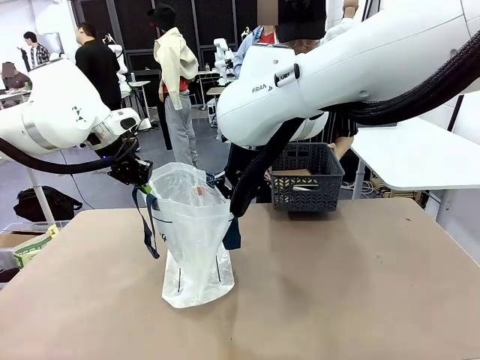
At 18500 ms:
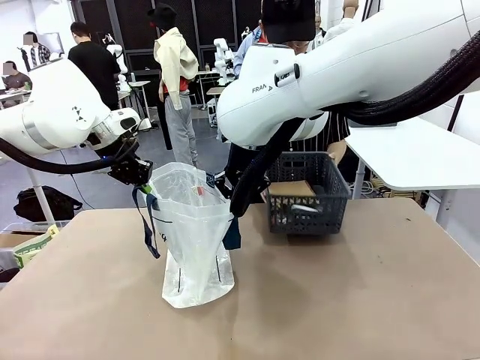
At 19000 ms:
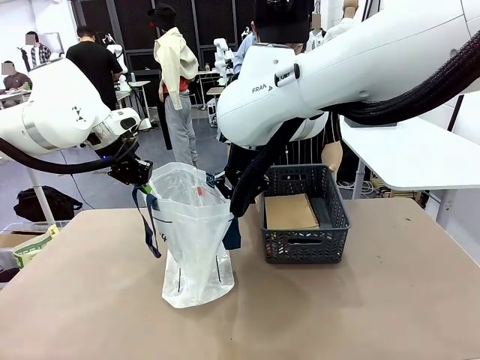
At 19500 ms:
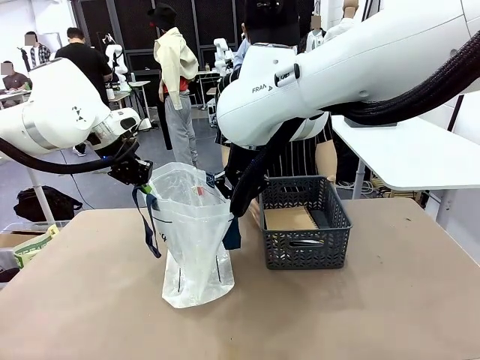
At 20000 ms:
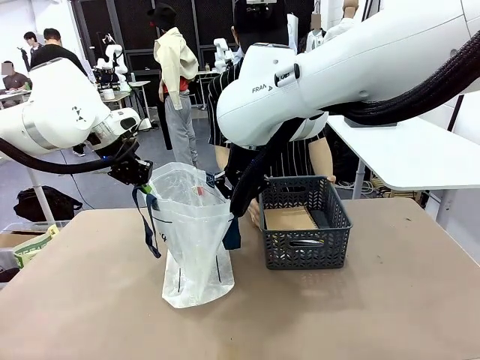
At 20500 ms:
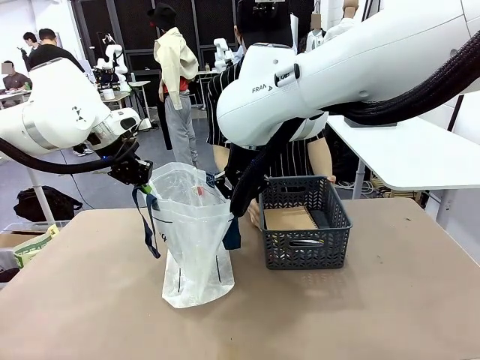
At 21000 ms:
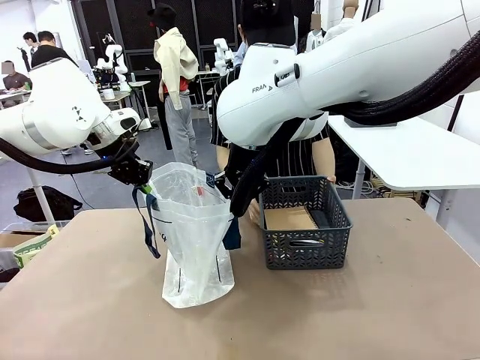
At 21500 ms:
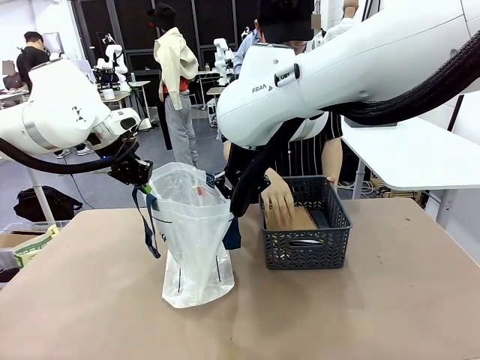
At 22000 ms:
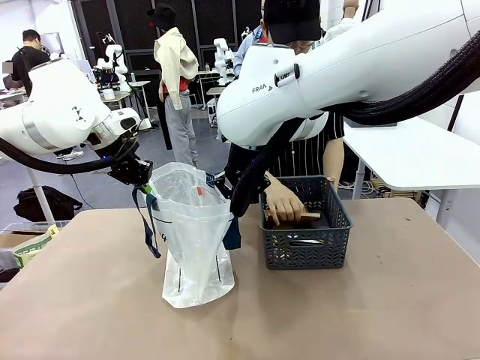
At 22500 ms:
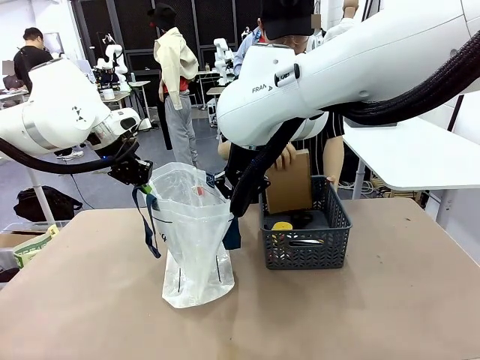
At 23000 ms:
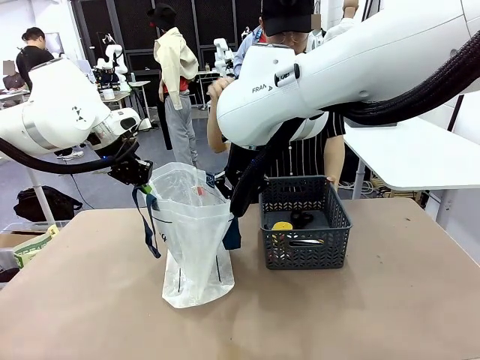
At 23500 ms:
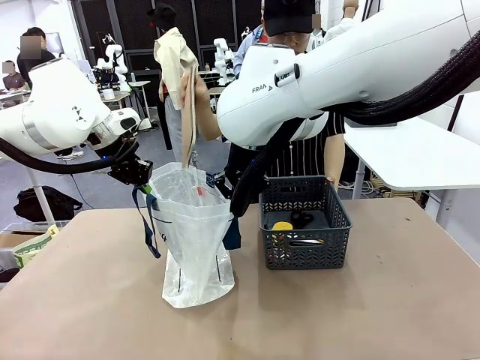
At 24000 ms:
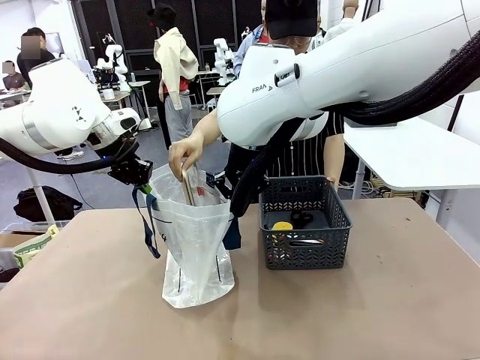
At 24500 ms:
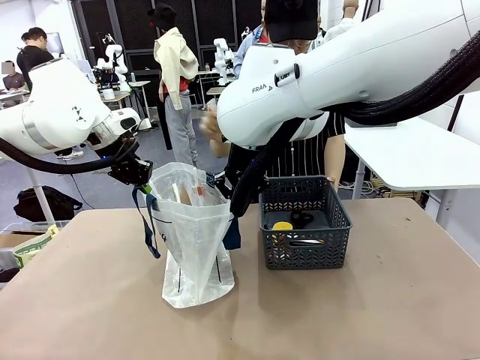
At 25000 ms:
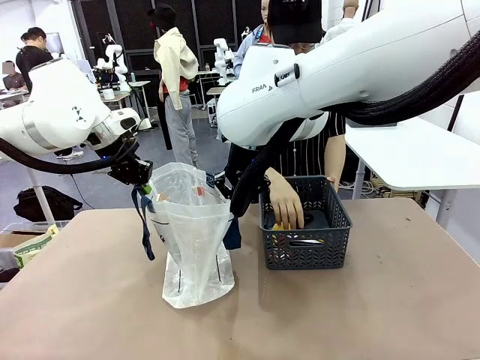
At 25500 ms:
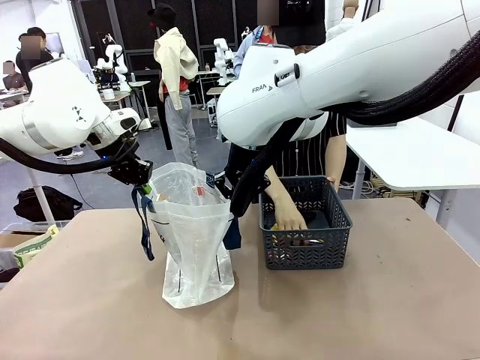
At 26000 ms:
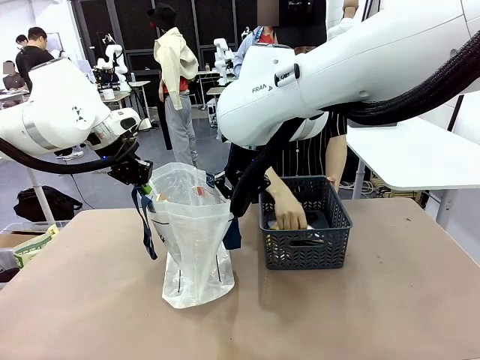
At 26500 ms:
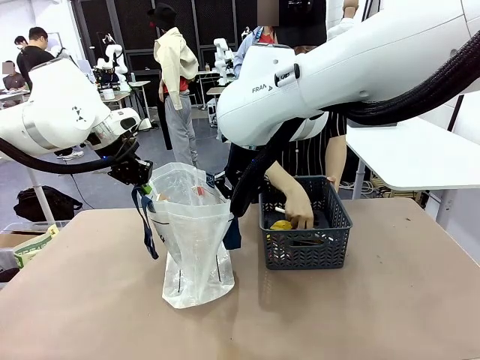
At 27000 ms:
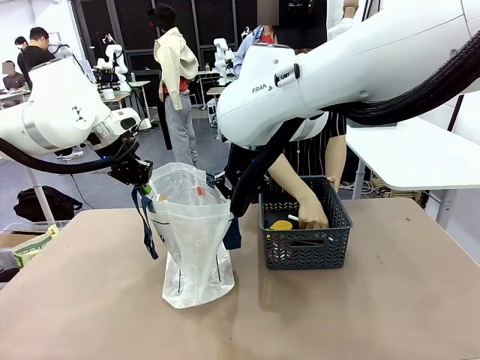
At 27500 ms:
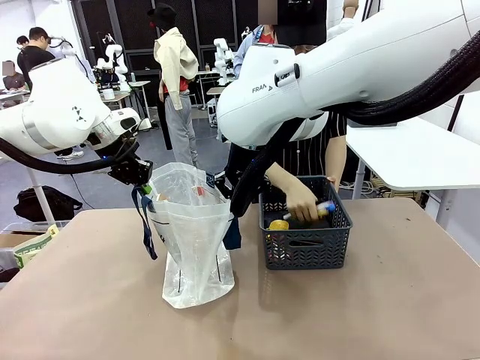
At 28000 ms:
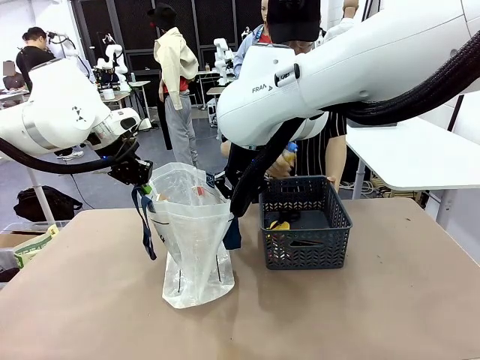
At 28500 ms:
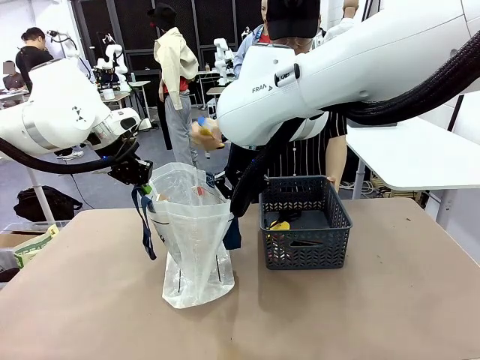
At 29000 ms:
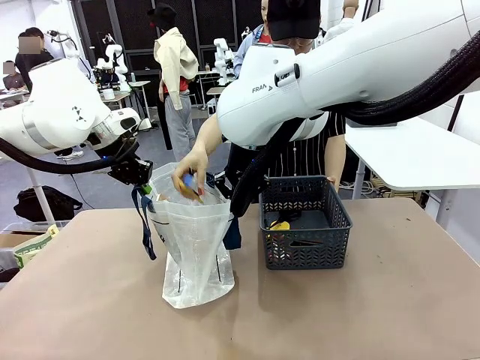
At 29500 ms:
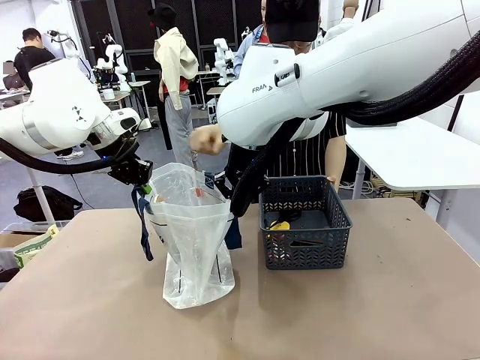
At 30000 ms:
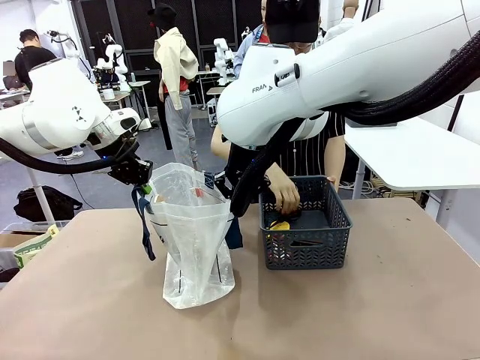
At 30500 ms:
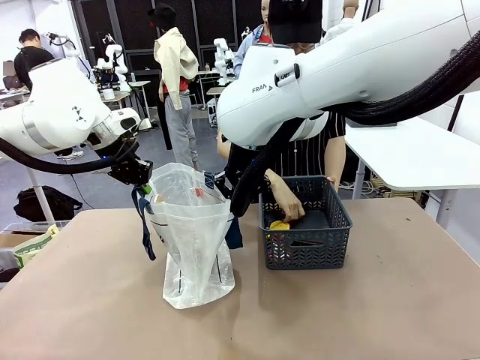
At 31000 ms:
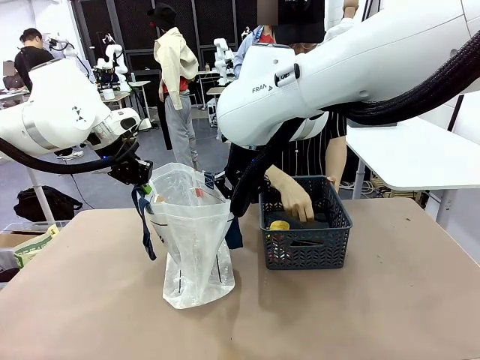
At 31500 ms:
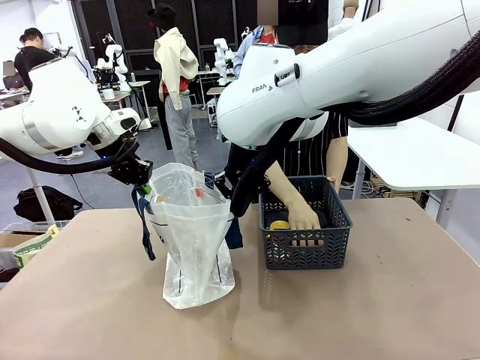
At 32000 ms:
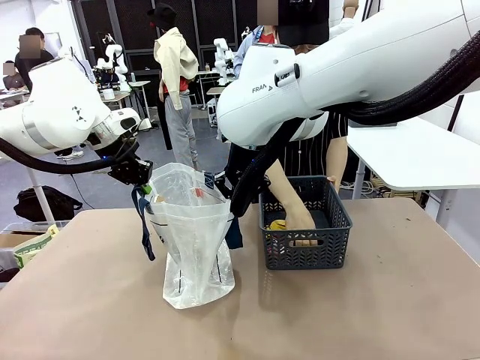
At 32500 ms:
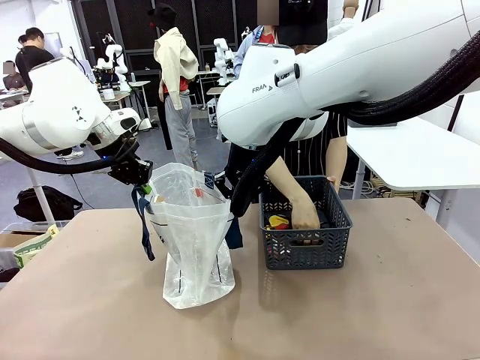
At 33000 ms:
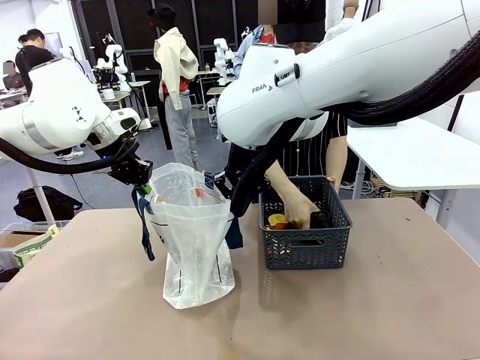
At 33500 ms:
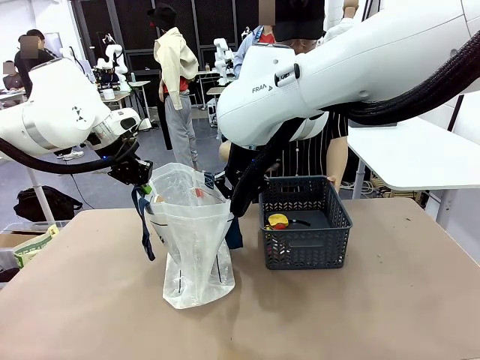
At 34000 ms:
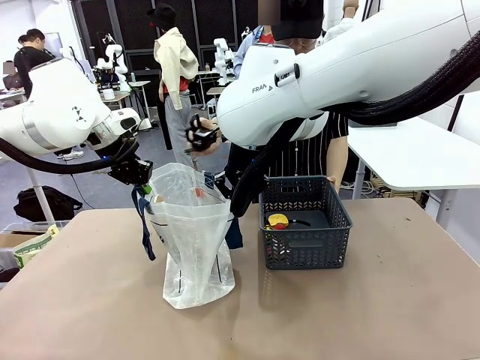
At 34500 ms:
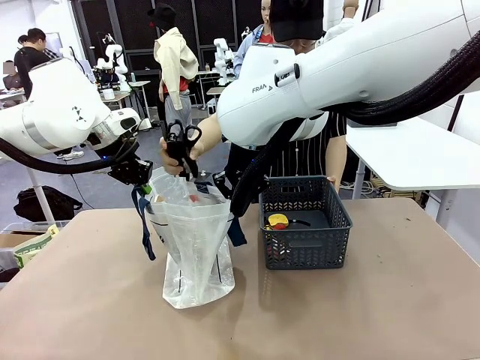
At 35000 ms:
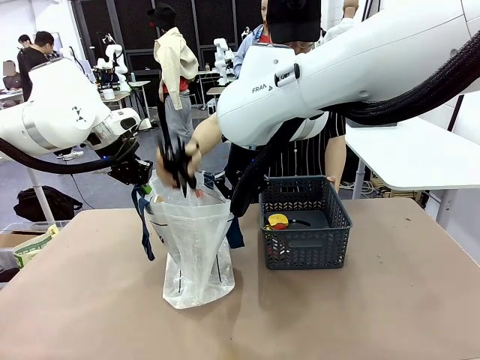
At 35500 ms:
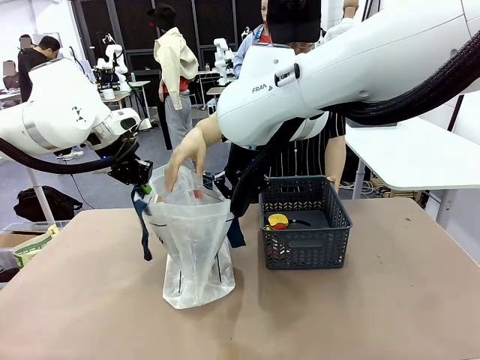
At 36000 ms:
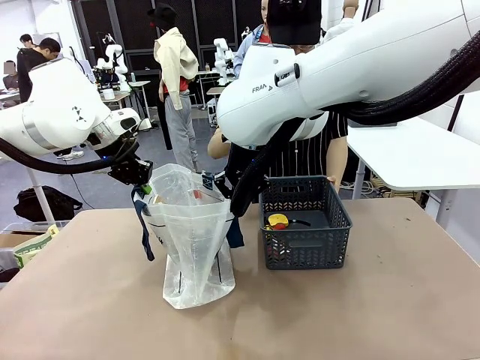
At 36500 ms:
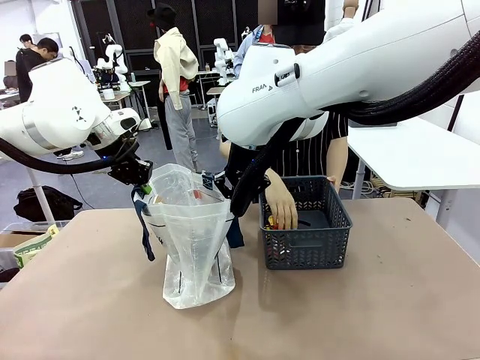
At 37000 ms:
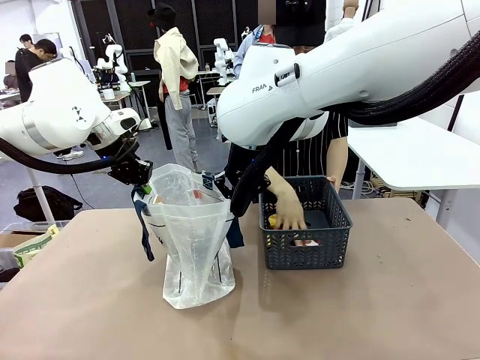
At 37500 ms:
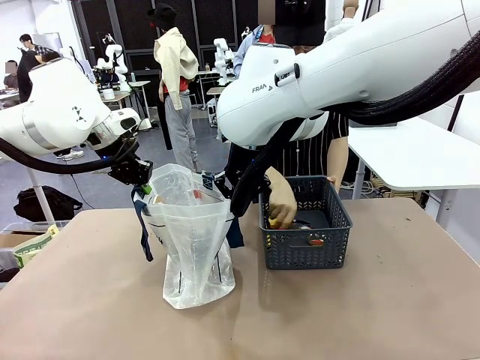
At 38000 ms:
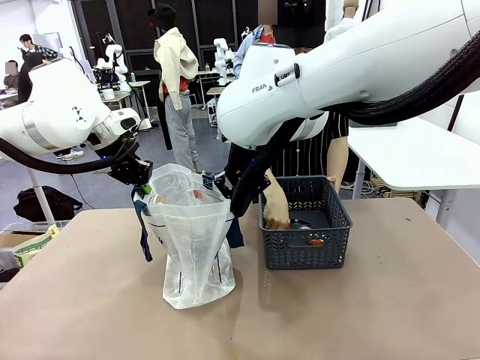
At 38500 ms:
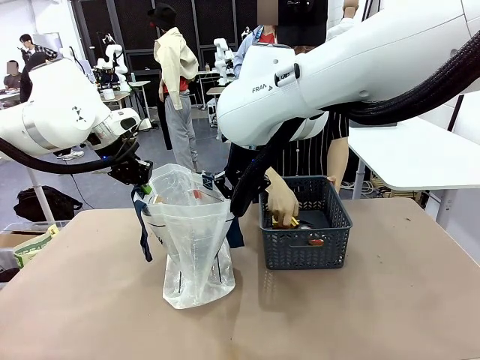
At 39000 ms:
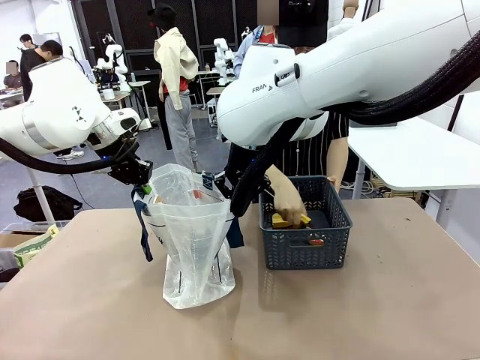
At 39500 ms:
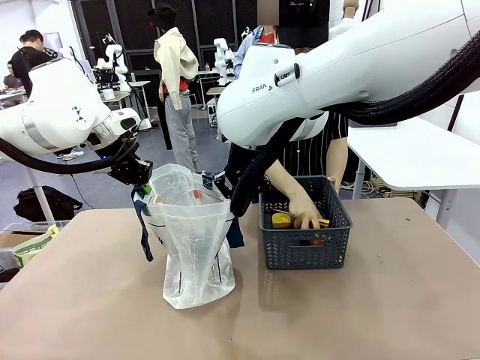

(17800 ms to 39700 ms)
Task: Transfer purchased items from the store into the shopping bag.
Robot: Move the Reusable shopping bag to the right side of the table.
Person: Pick up the basket with the items out and place it on the right side of the human table.
